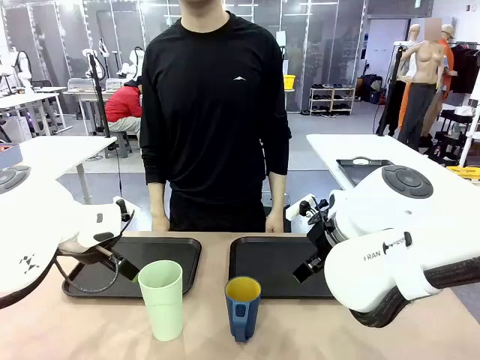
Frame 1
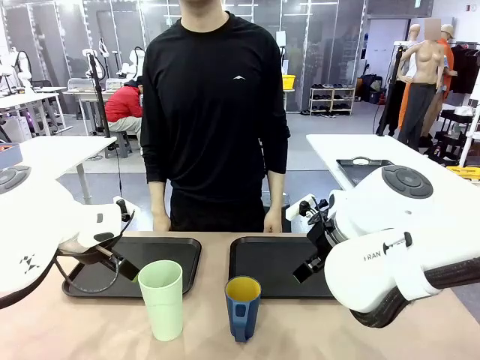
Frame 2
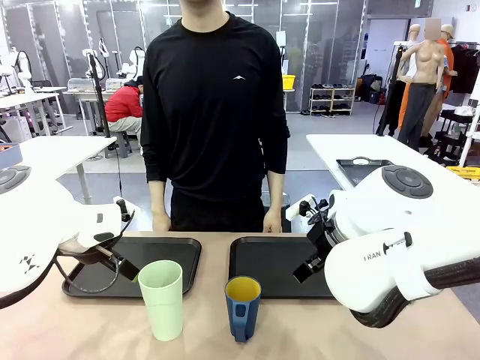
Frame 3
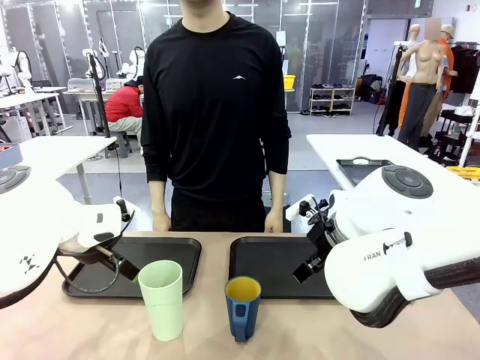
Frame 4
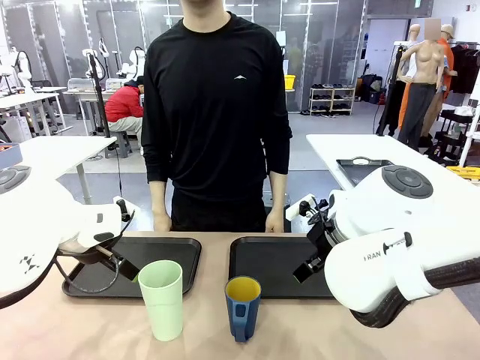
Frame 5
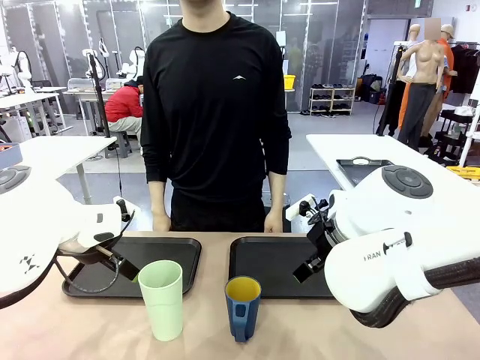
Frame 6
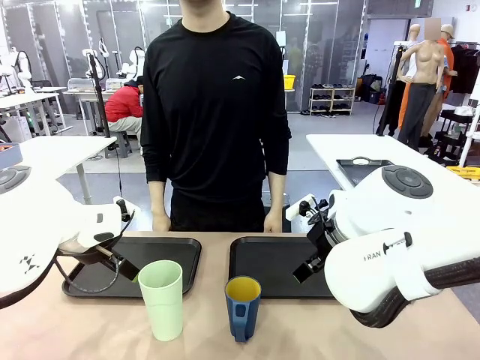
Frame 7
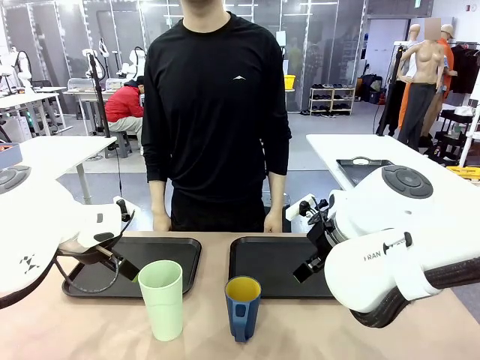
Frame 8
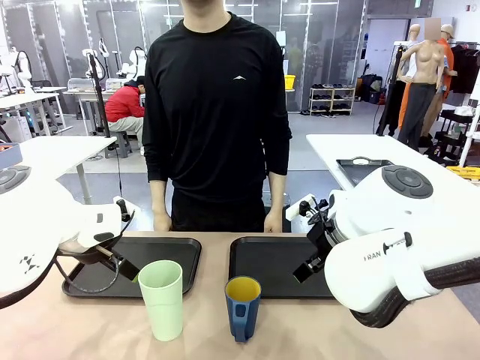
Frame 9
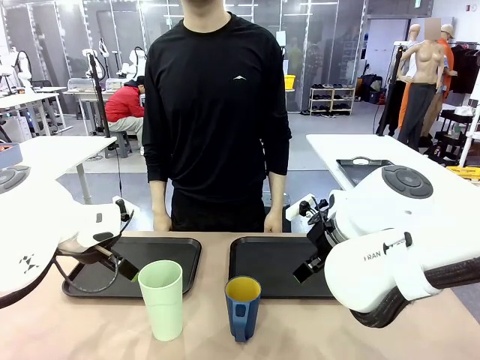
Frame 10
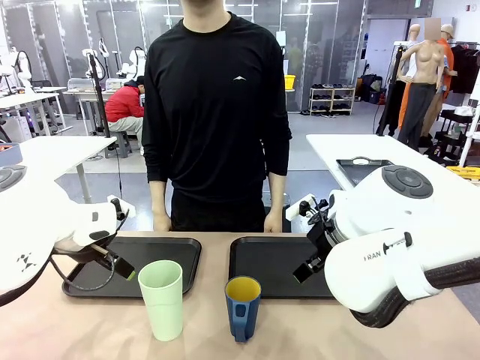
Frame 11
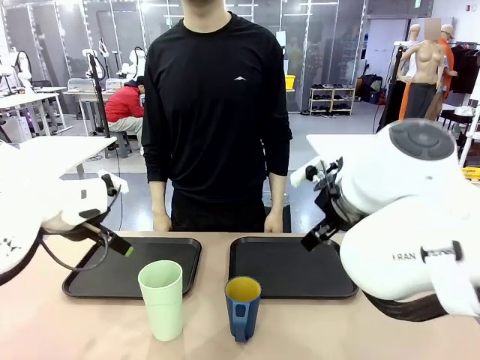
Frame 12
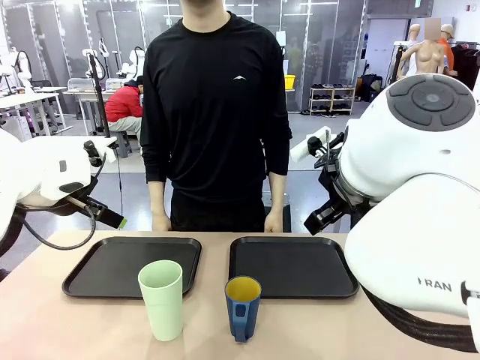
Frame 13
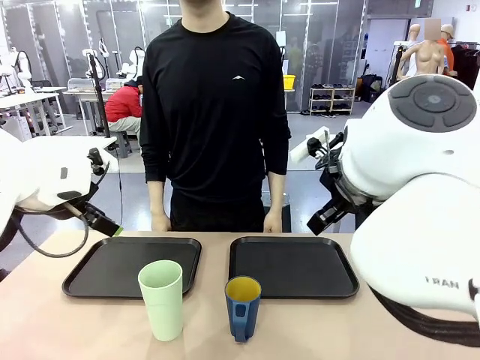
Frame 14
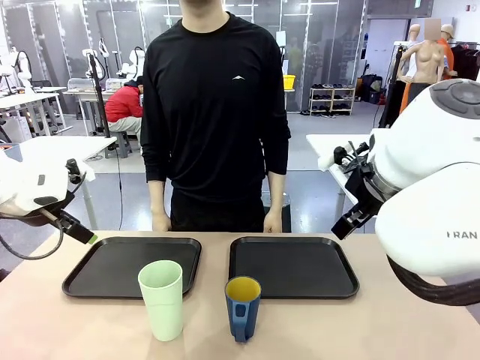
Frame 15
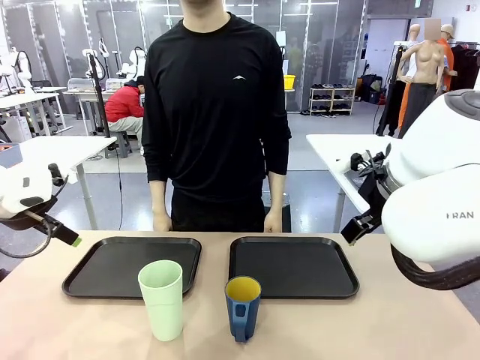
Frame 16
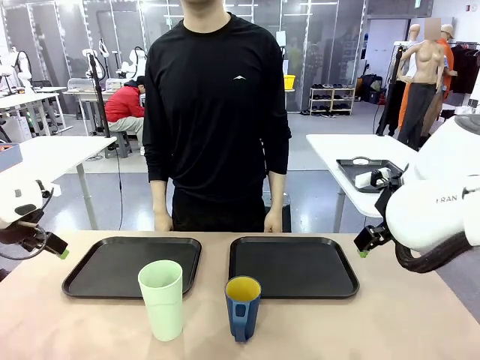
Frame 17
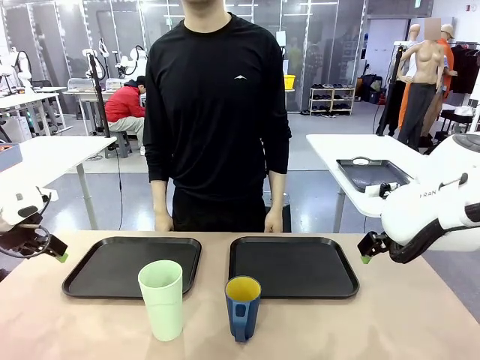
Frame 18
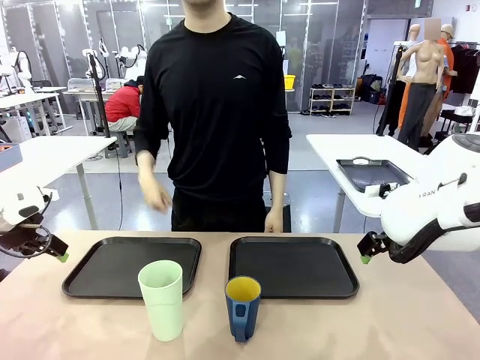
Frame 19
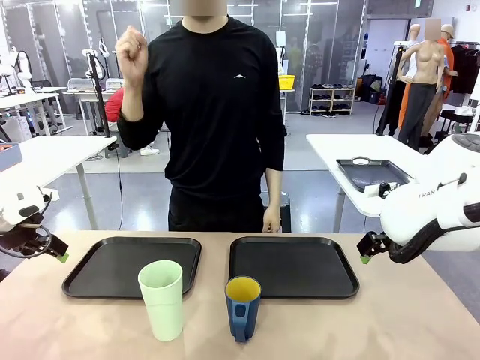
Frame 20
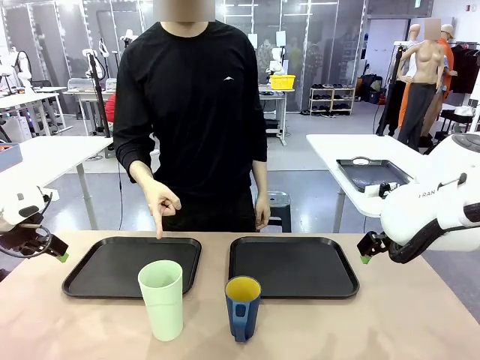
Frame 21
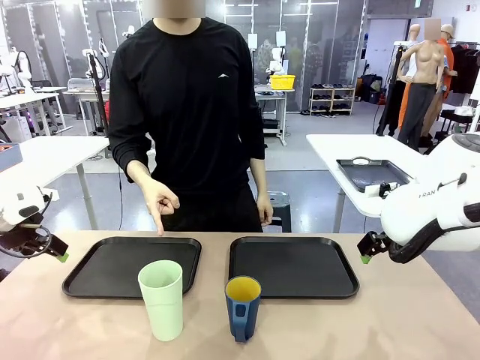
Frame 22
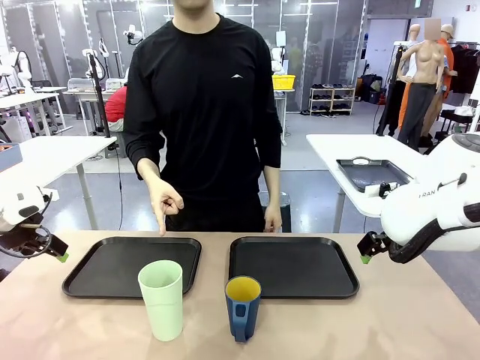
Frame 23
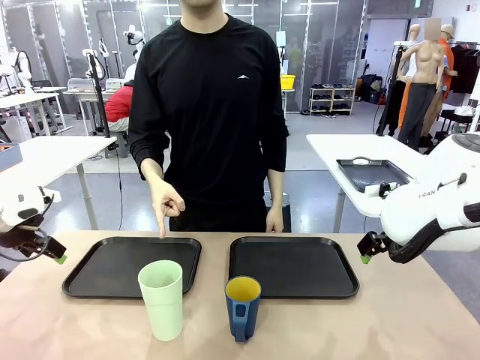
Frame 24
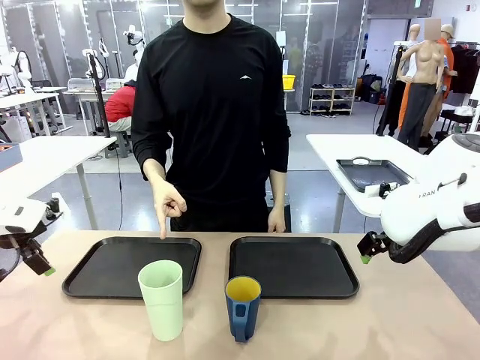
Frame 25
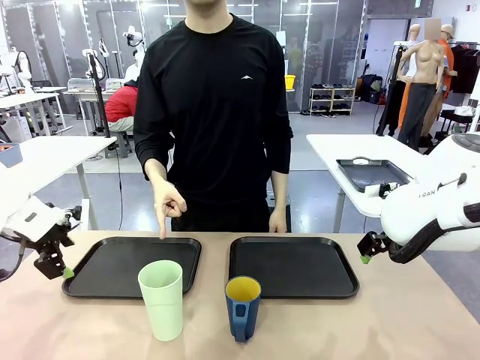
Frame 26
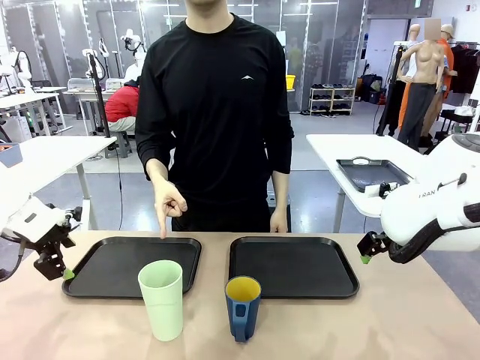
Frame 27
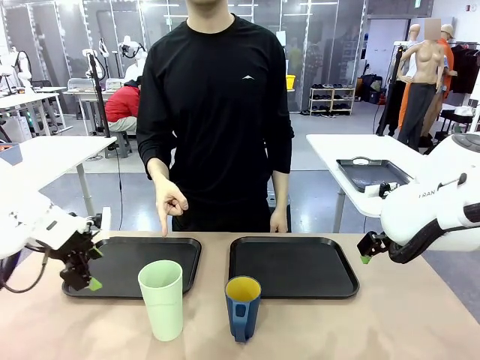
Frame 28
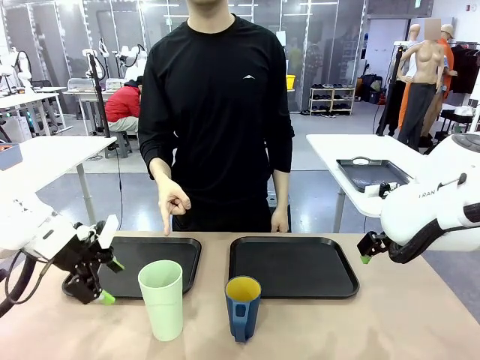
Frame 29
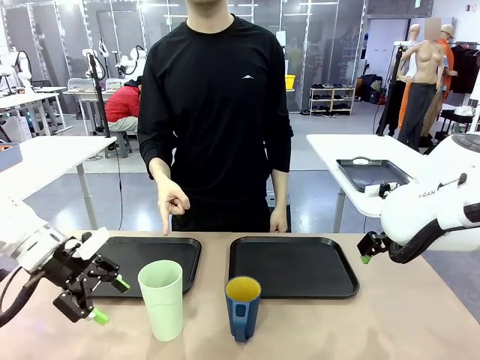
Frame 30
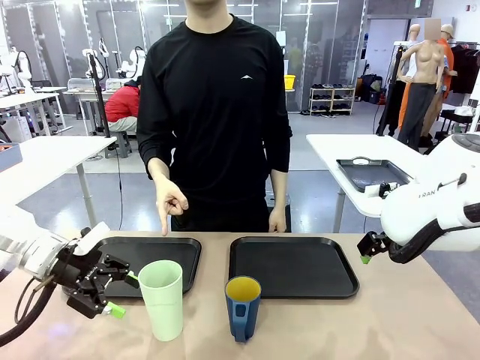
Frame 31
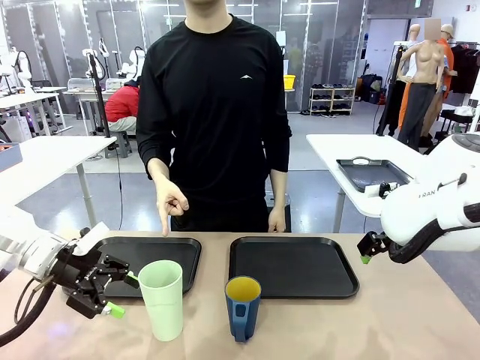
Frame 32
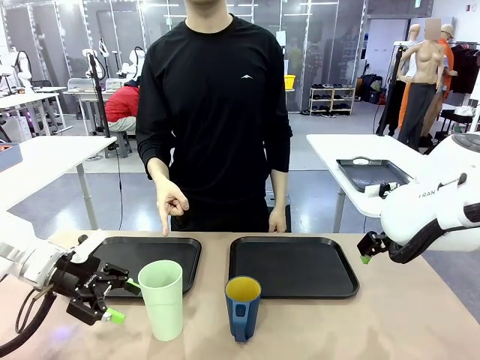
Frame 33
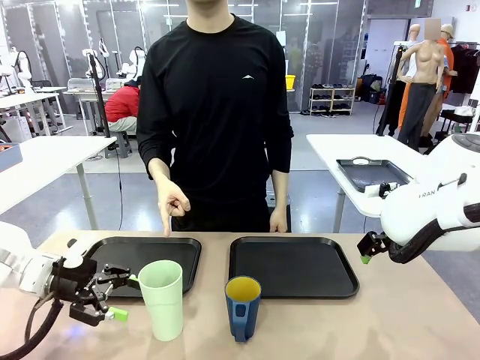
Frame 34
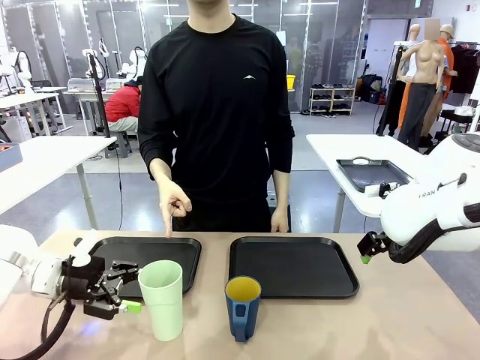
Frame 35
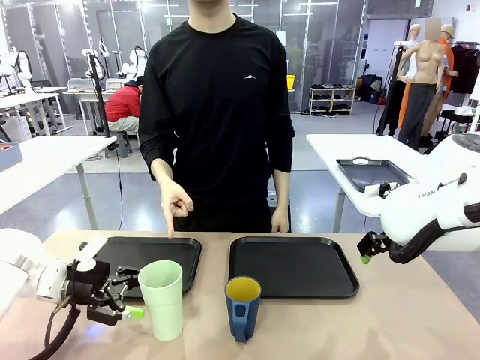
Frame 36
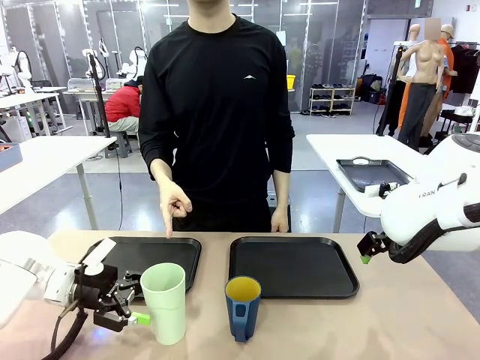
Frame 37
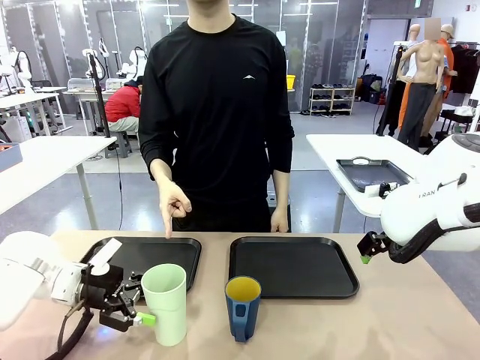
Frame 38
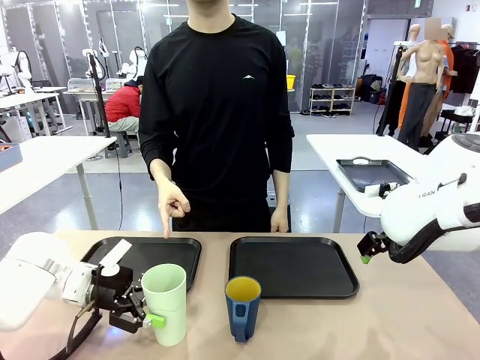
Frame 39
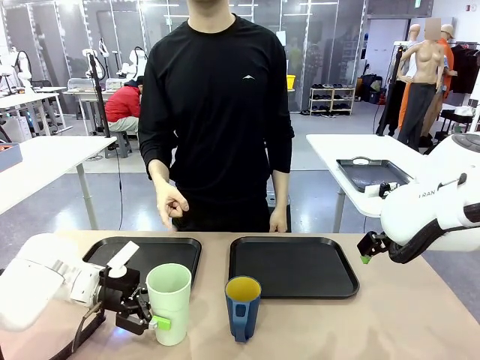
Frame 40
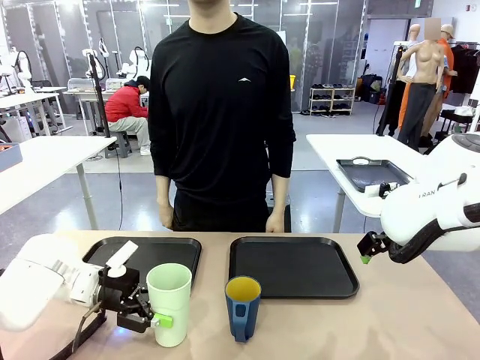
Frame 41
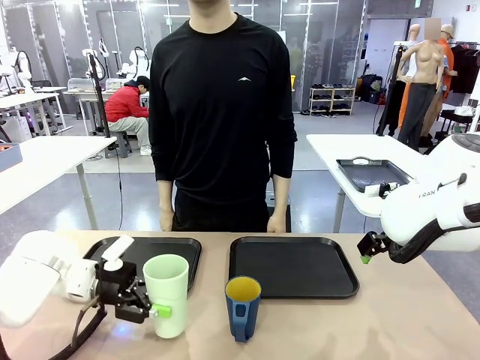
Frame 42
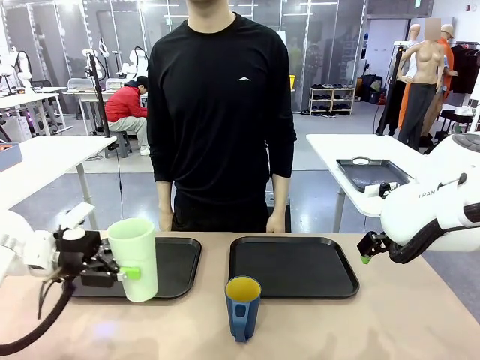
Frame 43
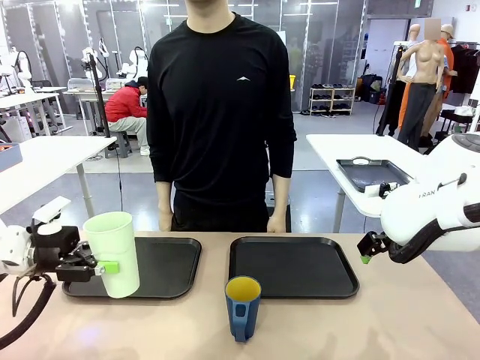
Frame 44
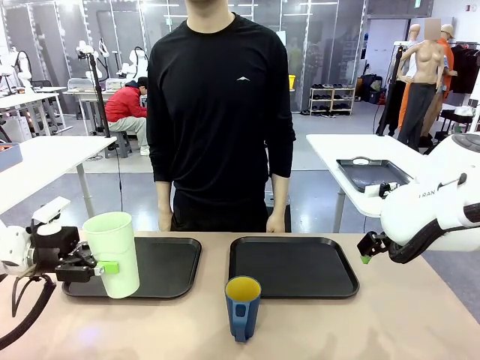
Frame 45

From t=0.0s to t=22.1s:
Task: Sort and store the cups by type.
Robot: Pick up the Reusable plastic cup.
Person: Points to the reusable cup. Point to one of the two trays.

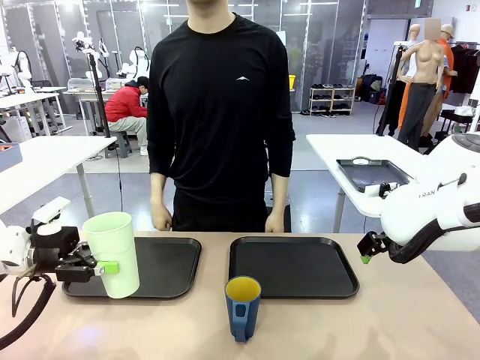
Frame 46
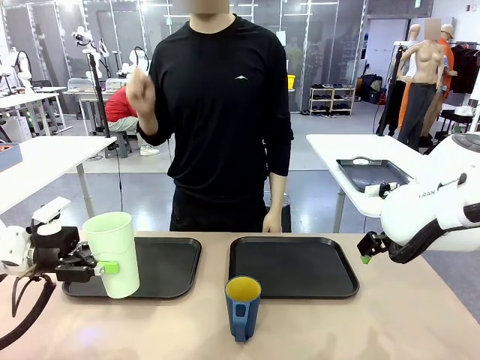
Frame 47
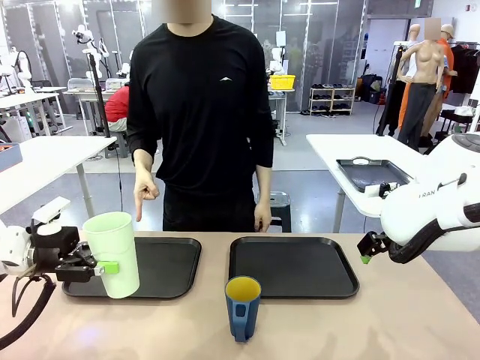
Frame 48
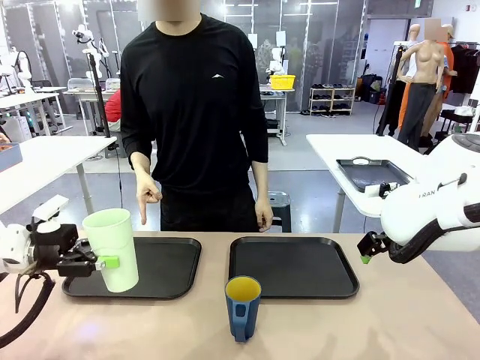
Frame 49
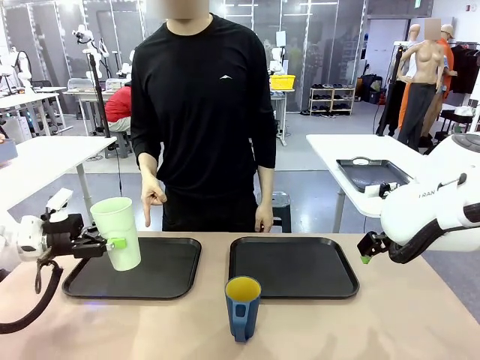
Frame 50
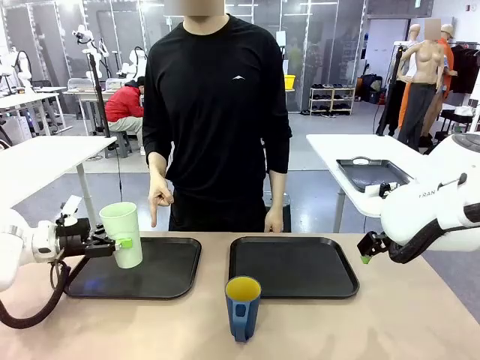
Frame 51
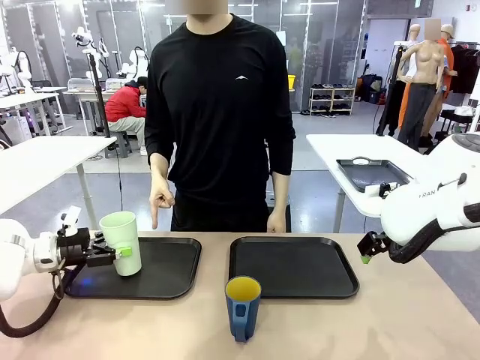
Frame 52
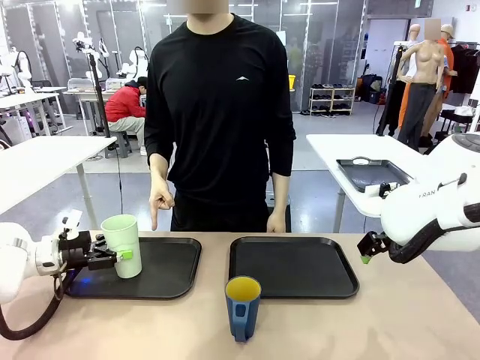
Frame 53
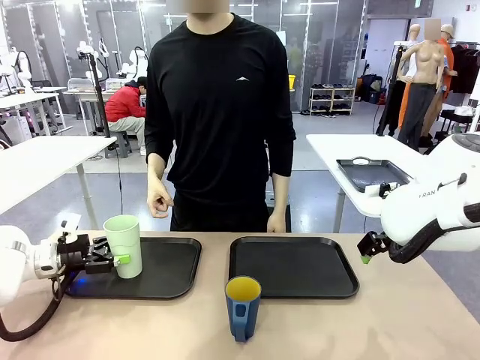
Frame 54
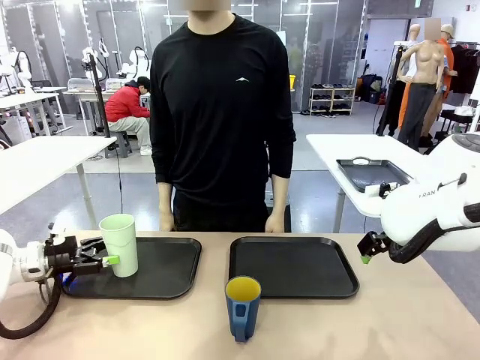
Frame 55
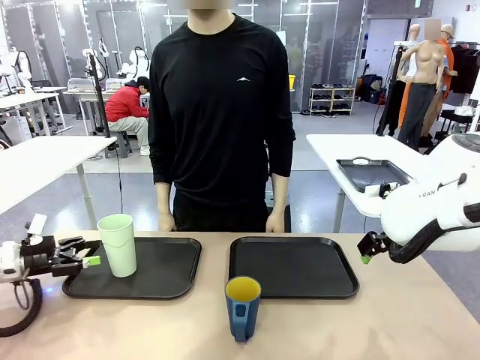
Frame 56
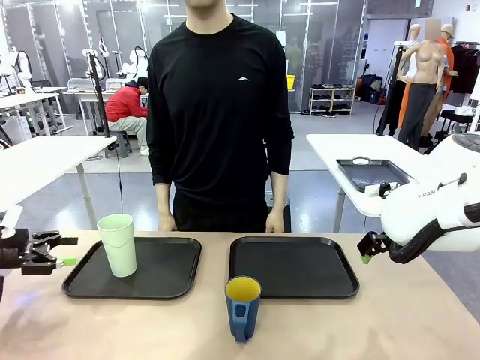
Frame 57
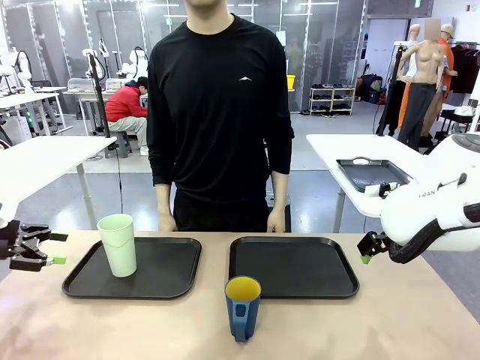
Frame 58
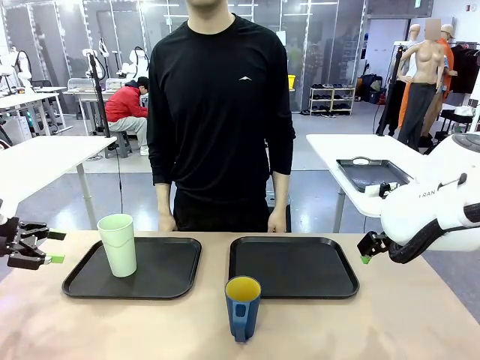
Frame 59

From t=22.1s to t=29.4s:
Robot: Place the picked Reusable plastic cup into the Flat Tray indicated by the person.
